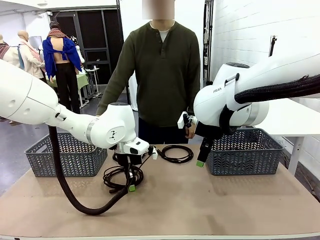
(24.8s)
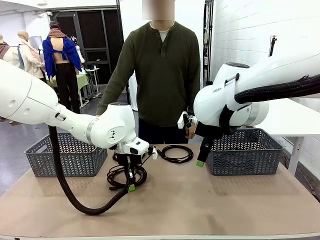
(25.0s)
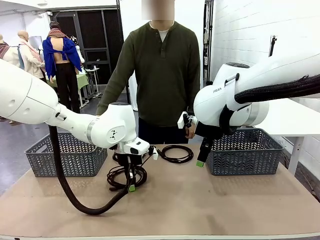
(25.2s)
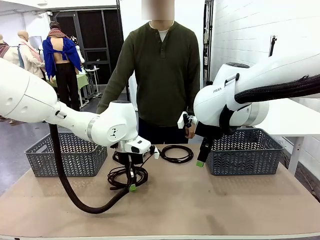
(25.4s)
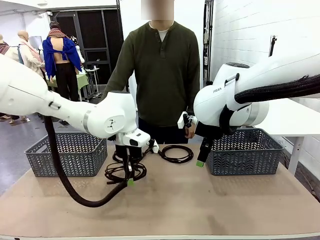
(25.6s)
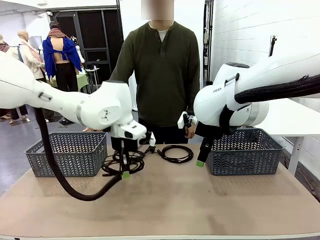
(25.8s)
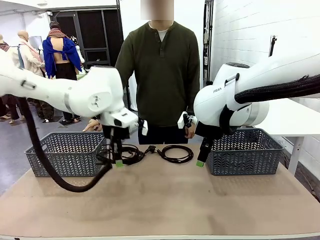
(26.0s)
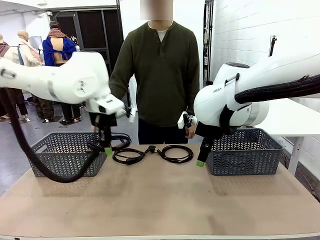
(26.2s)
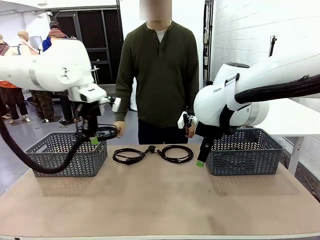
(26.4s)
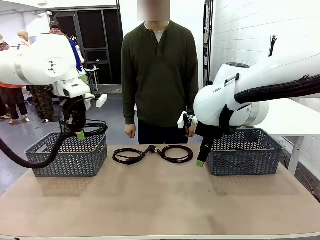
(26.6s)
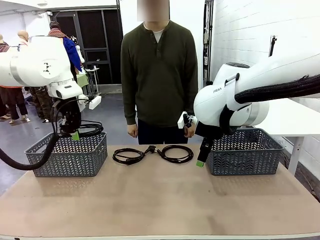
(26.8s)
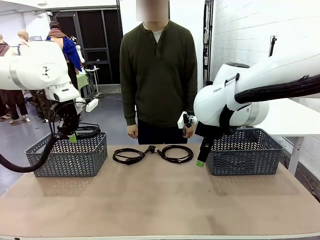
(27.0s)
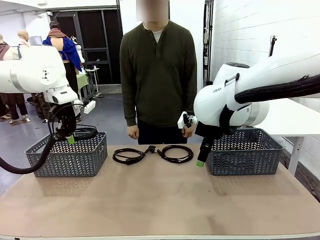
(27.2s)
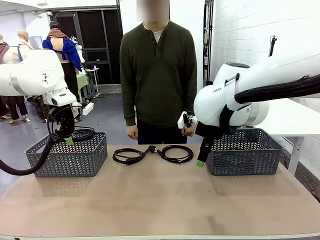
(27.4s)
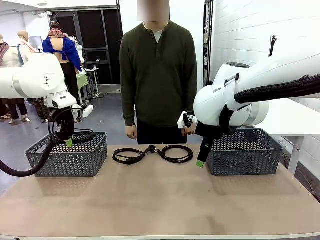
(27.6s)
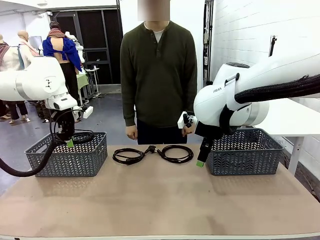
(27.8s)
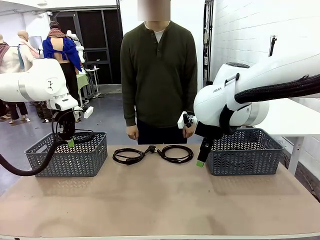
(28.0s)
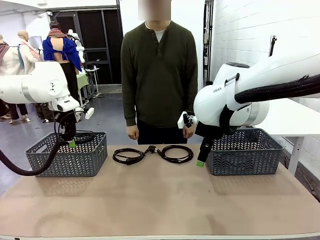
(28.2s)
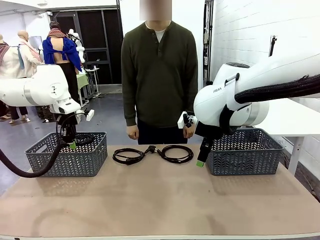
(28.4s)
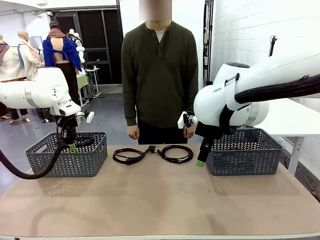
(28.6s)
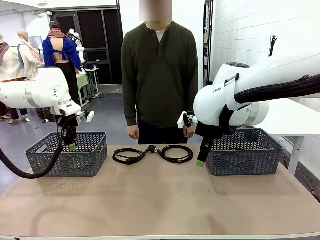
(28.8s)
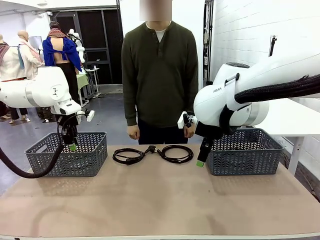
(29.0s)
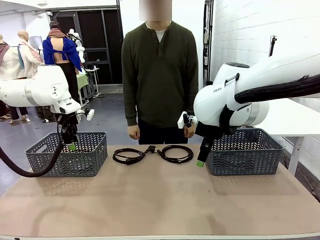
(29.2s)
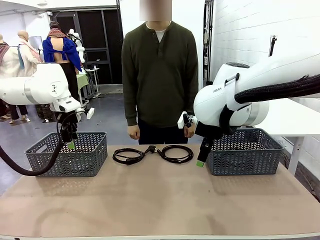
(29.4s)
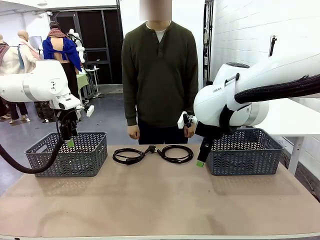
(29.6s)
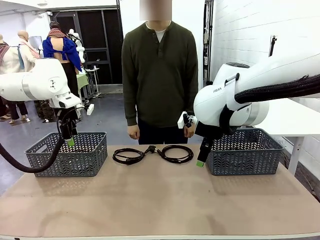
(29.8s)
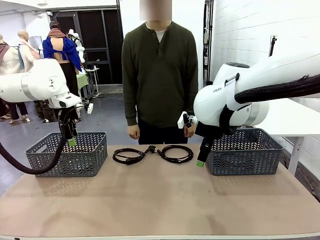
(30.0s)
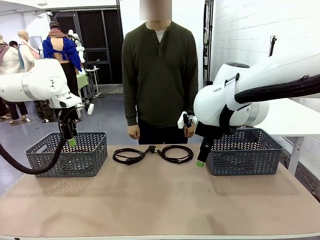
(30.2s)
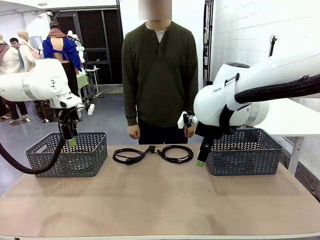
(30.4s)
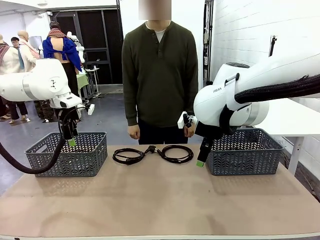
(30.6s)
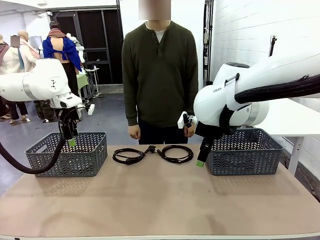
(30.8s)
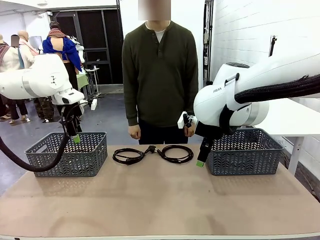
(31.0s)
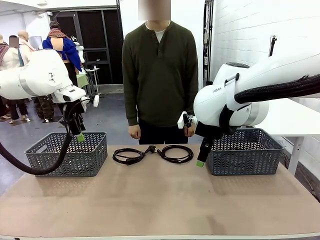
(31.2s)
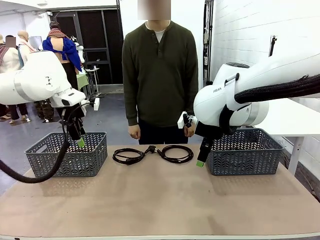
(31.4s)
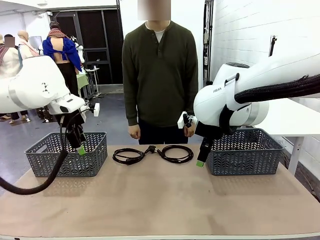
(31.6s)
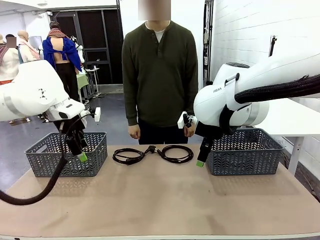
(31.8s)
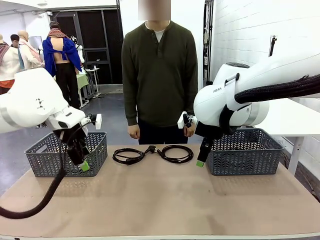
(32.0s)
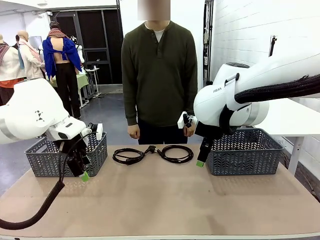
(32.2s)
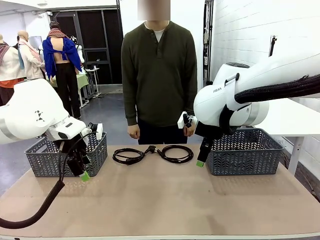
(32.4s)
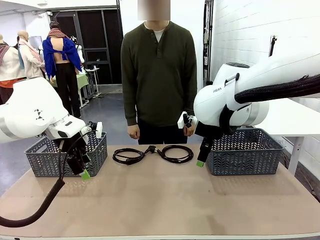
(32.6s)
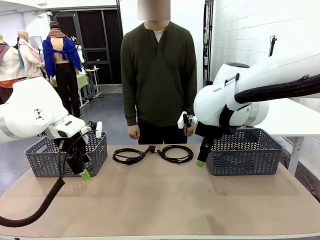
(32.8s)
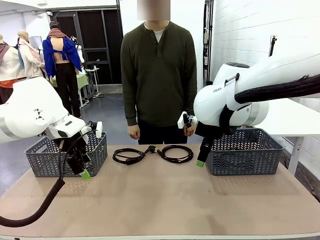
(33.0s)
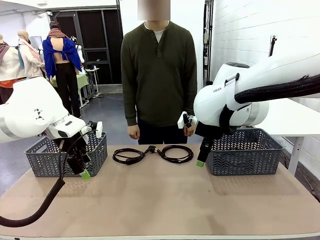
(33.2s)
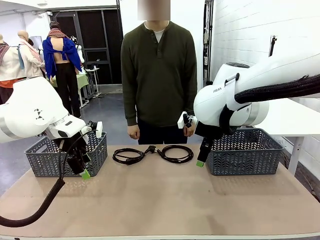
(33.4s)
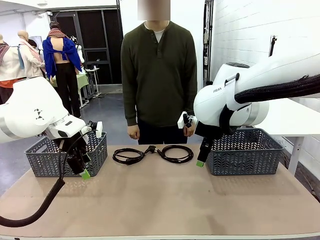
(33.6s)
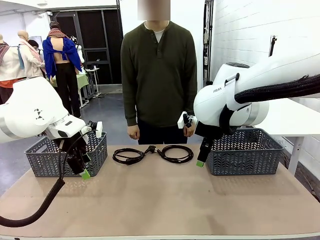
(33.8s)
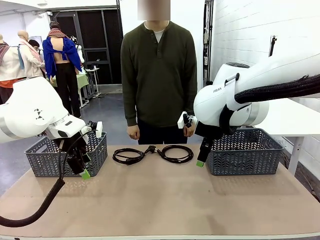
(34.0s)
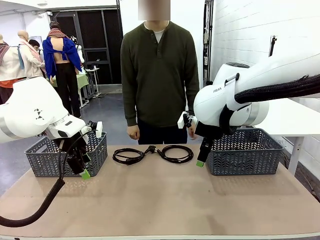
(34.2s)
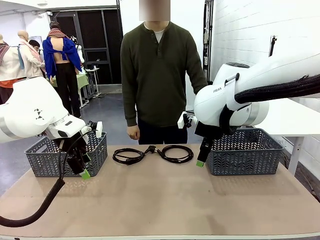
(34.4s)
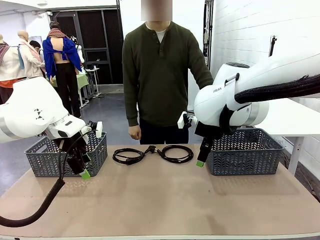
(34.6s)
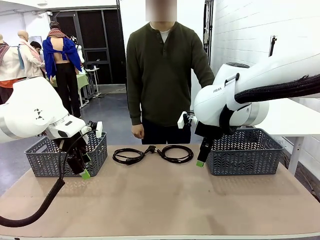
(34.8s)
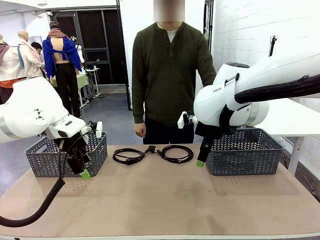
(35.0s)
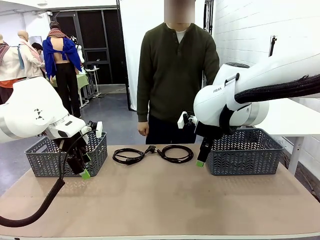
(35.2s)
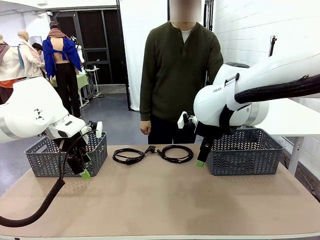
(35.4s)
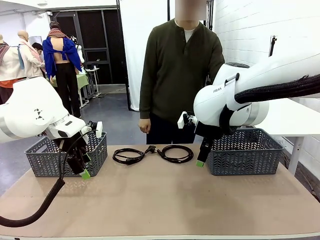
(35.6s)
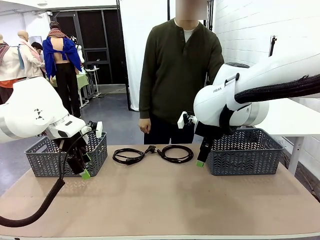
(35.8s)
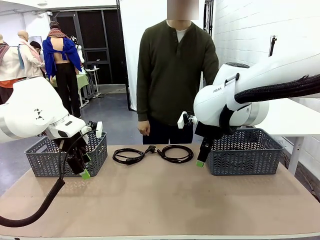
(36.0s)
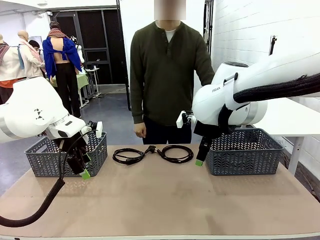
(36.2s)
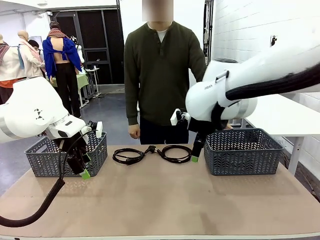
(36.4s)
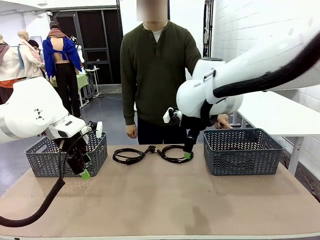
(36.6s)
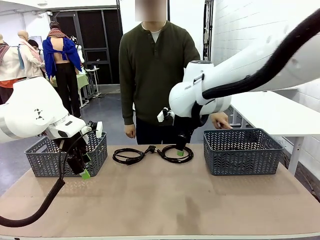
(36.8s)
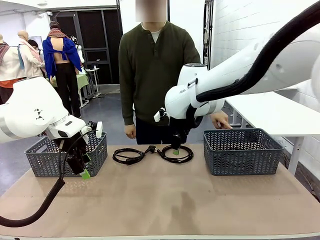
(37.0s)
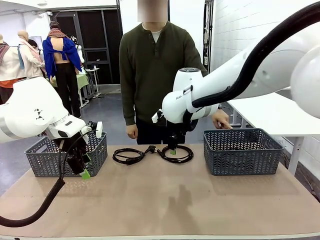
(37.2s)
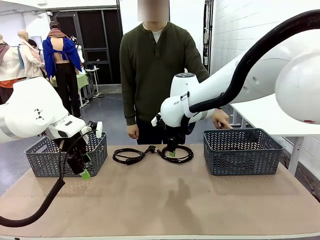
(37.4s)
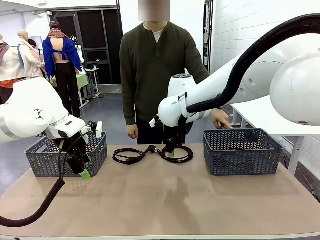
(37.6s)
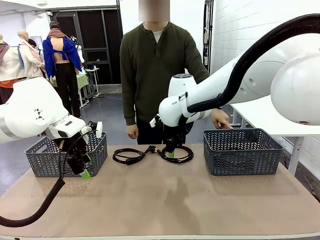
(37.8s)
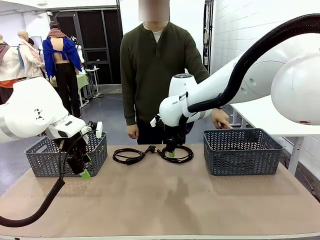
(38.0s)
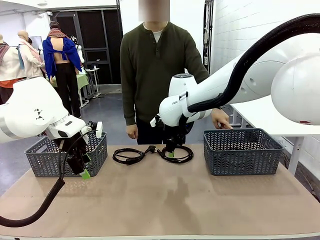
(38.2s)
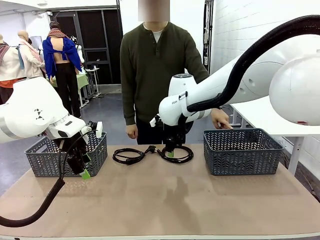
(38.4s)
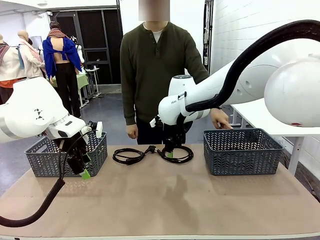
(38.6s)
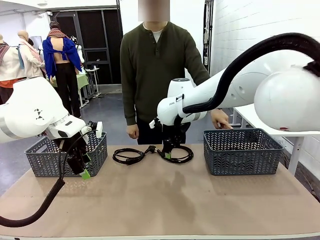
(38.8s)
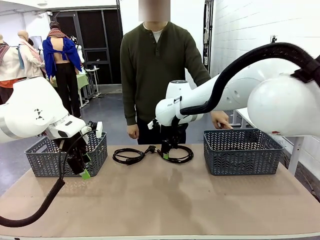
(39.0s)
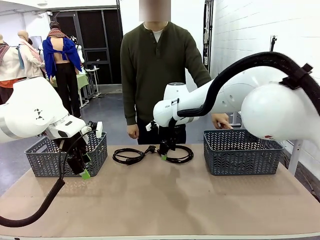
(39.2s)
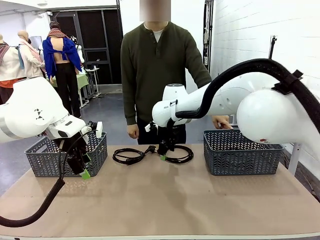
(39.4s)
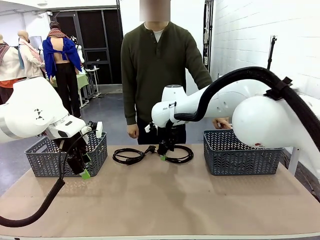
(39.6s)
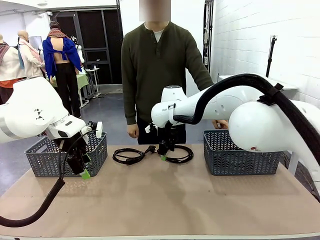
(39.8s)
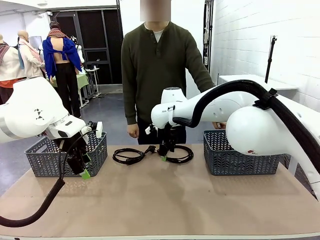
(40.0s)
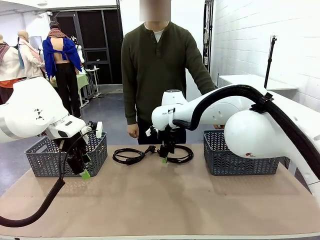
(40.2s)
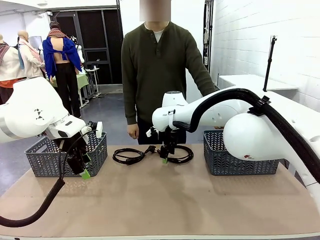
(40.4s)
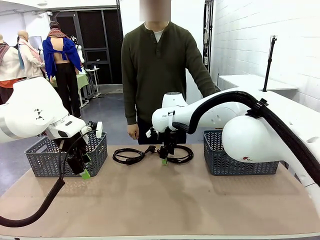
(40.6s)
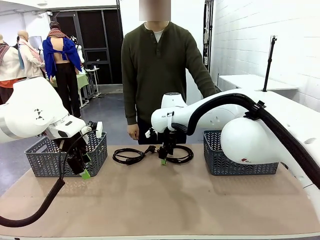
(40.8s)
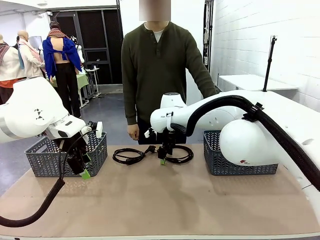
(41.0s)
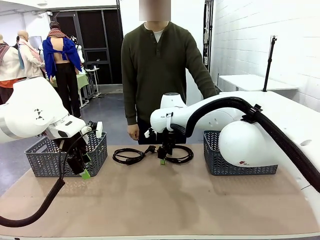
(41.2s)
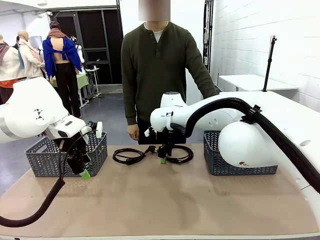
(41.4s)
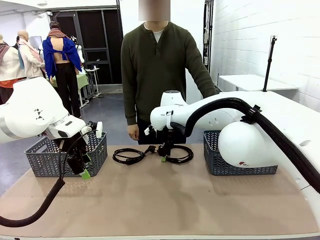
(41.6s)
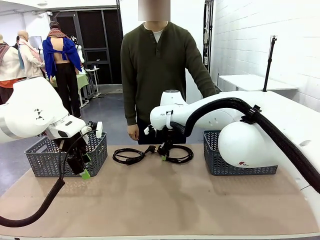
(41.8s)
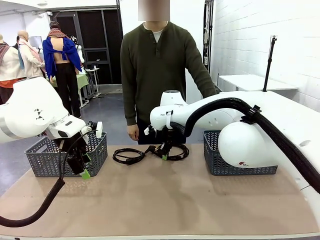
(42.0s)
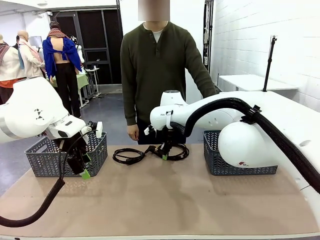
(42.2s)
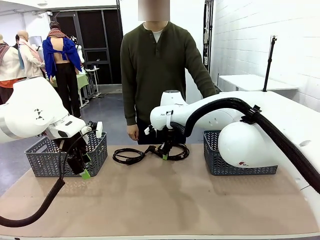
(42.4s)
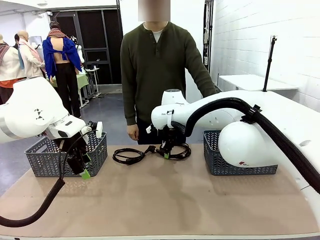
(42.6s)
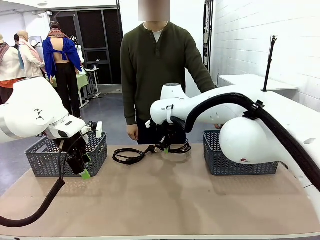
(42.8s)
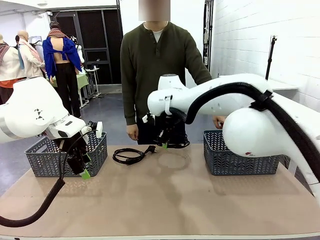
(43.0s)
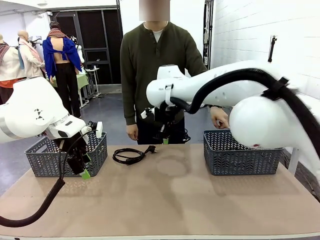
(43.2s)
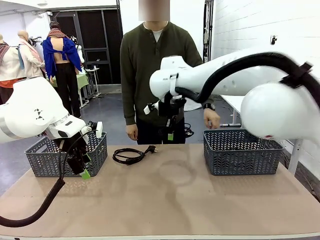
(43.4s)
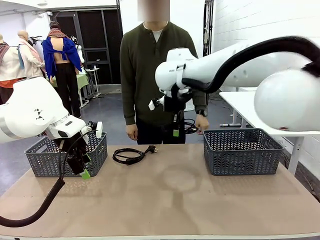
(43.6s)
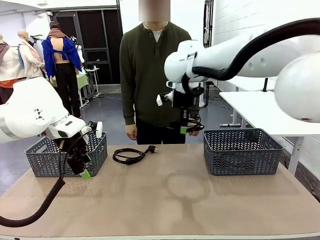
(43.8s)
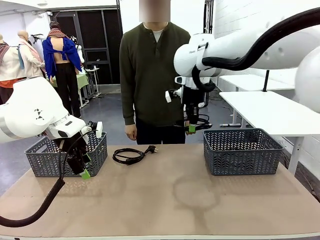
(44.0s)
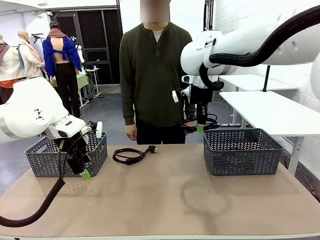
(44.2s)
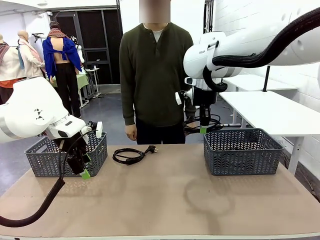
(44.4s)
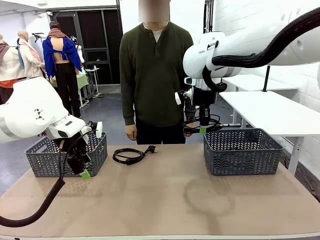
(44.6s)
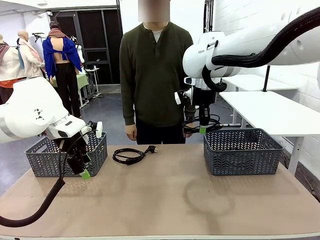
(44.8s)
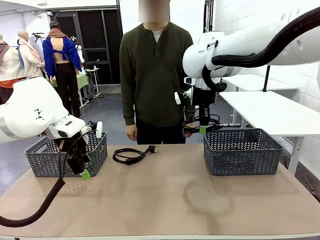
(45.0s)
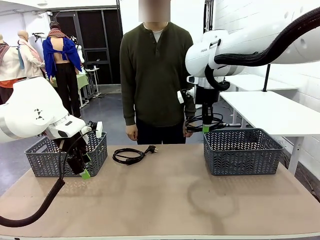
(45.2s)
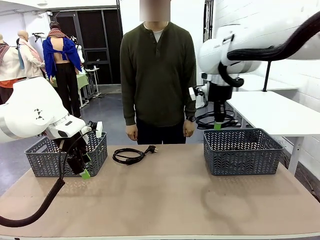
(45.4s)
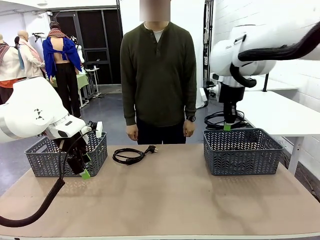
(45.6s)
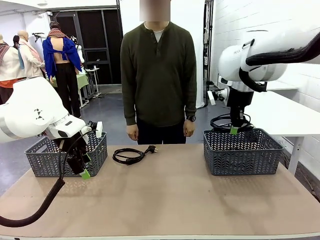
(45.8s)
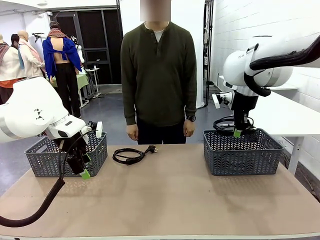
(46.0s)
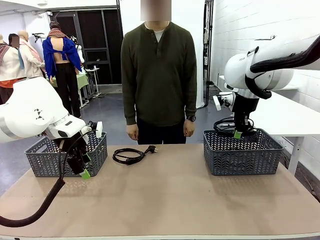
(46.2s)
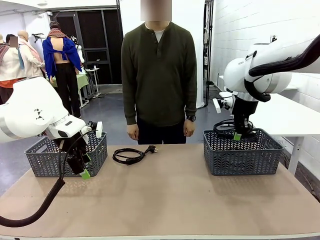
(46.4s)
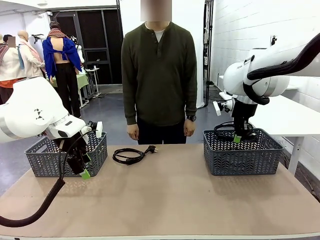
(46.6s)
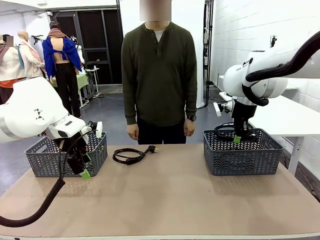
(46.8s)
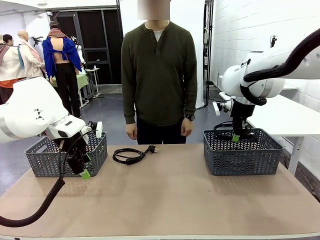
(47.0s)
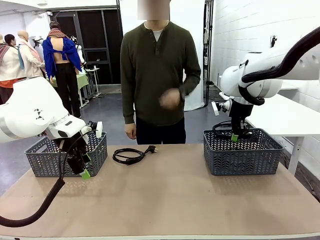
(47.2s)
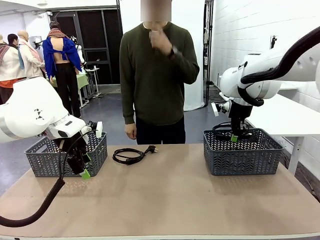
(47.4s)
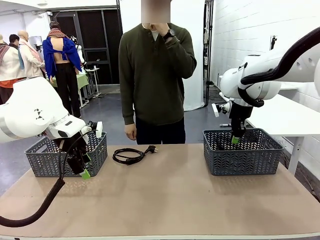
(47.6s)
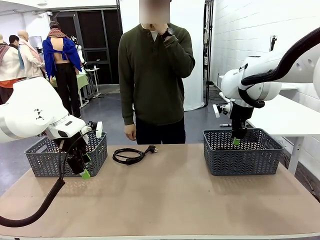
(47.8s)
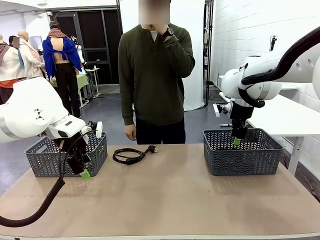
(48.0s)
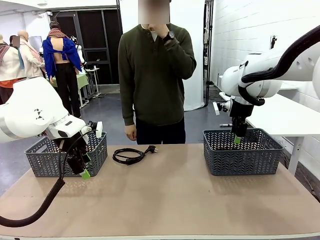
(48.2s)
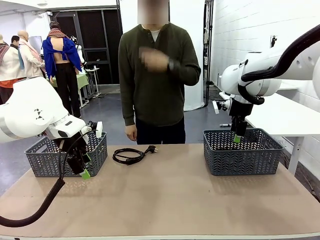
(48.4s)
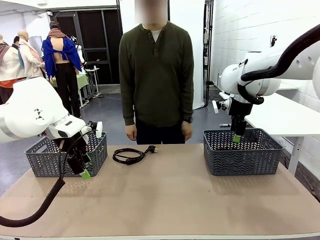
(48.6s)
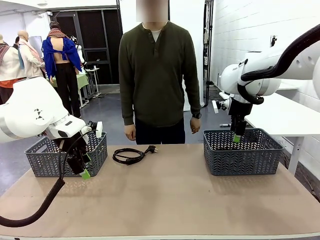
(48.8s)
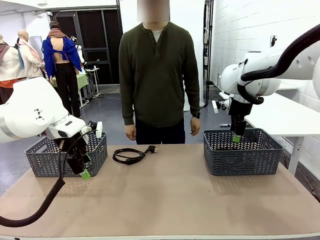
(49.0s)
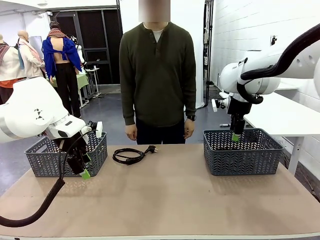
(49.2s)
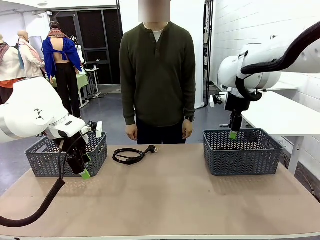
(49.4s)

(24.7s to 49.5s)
Task: Organize the cables according to human instructions.
Robot: Pick up a bundle of cables and place it in the basket indicated by the human.
